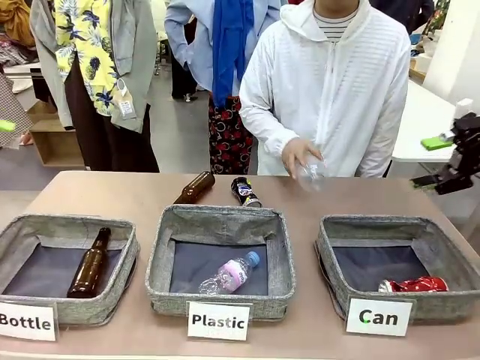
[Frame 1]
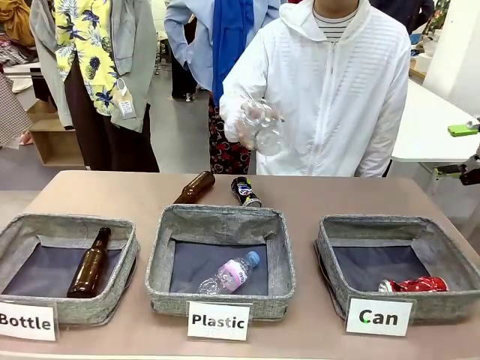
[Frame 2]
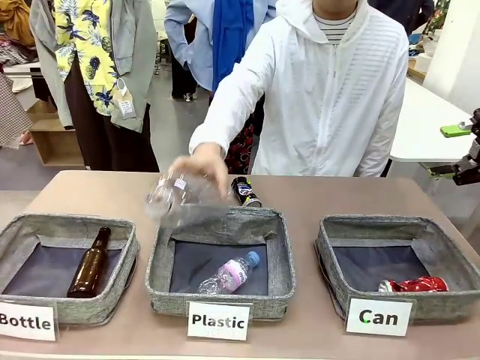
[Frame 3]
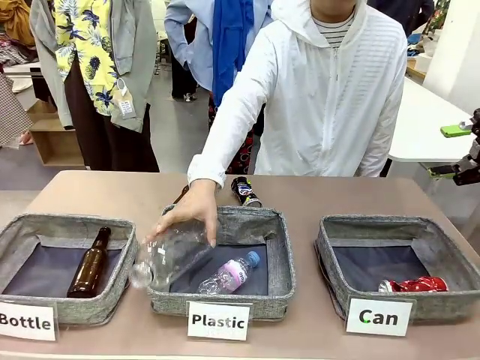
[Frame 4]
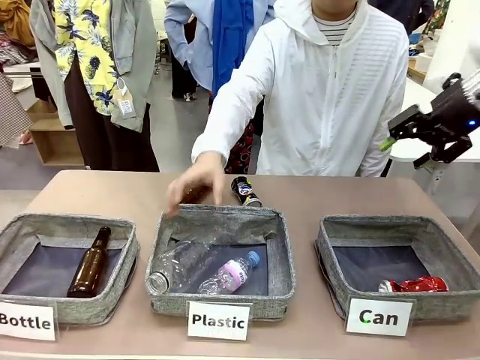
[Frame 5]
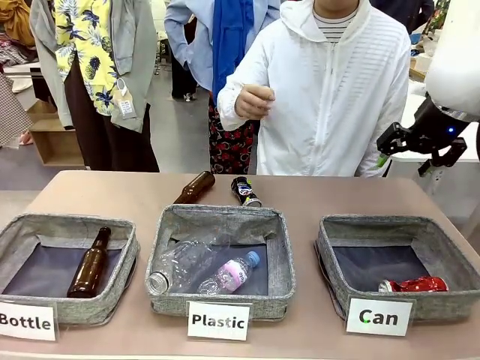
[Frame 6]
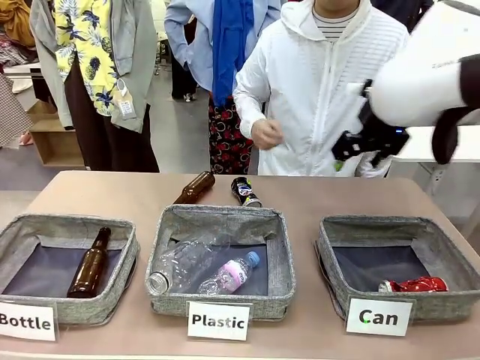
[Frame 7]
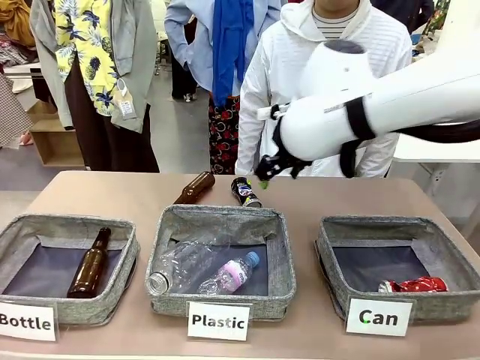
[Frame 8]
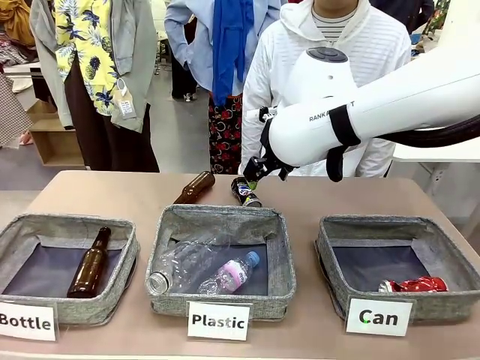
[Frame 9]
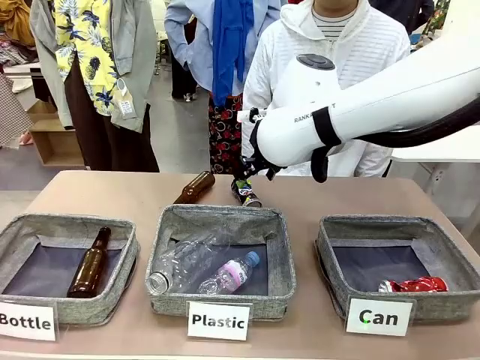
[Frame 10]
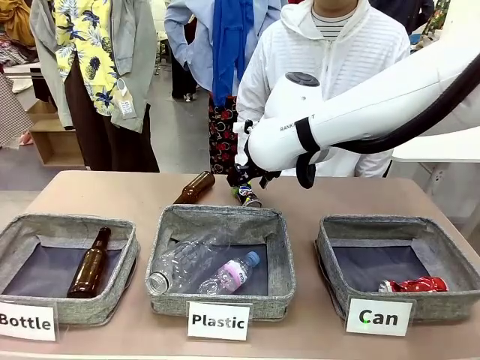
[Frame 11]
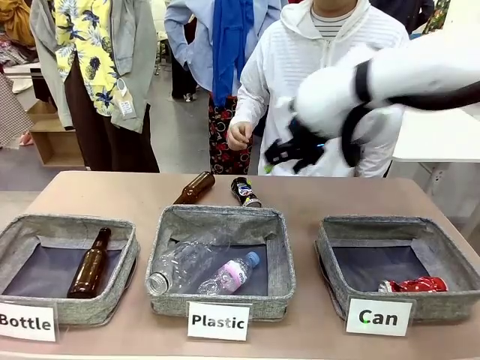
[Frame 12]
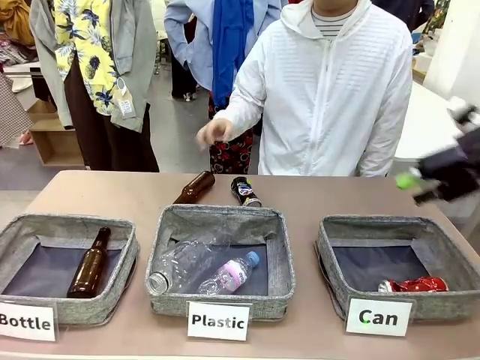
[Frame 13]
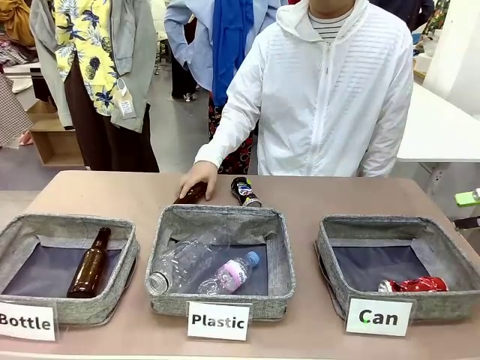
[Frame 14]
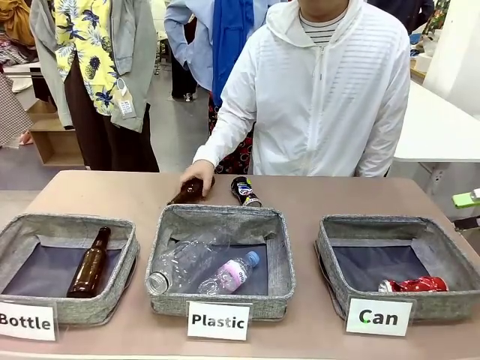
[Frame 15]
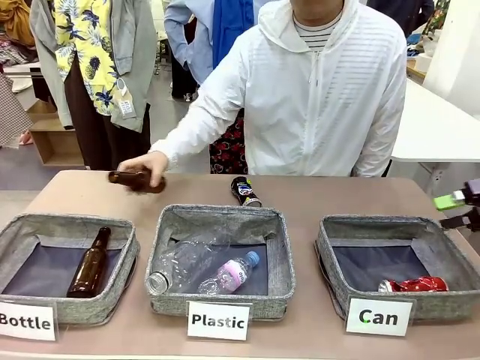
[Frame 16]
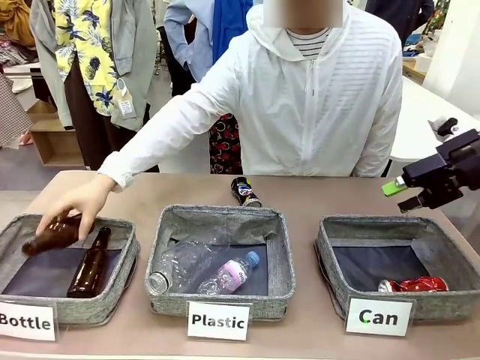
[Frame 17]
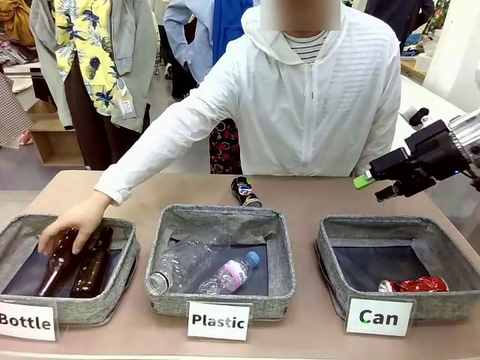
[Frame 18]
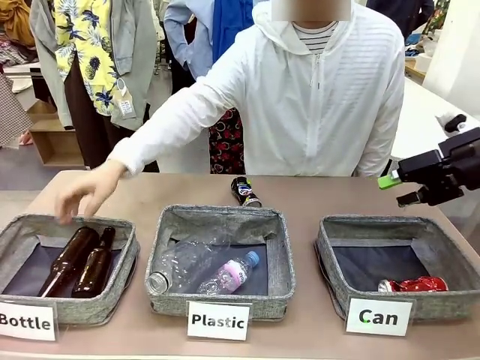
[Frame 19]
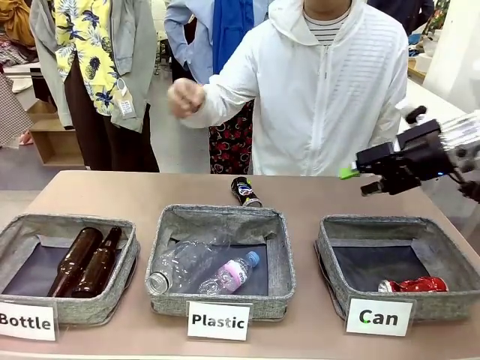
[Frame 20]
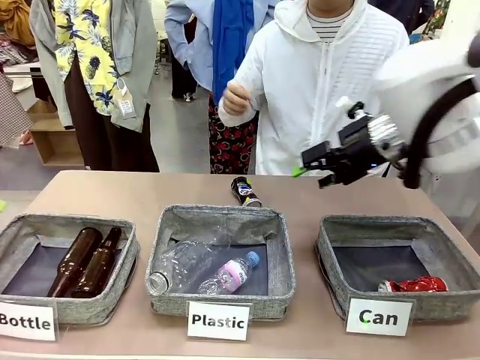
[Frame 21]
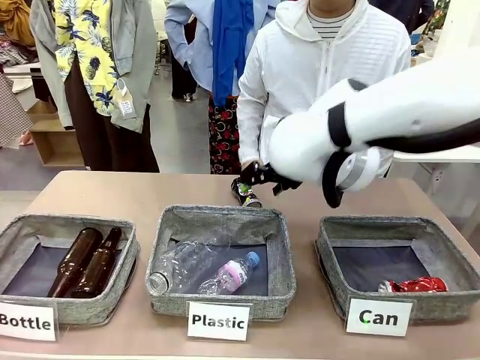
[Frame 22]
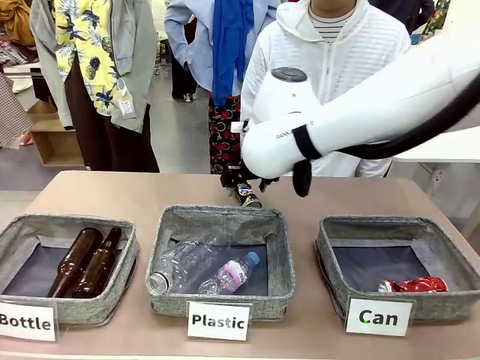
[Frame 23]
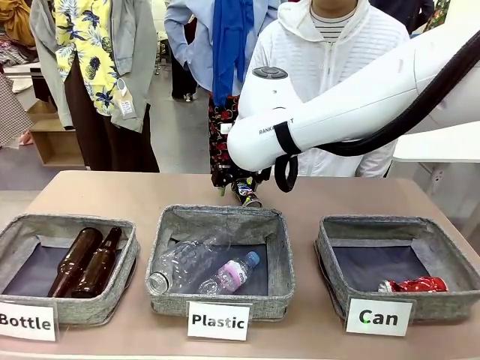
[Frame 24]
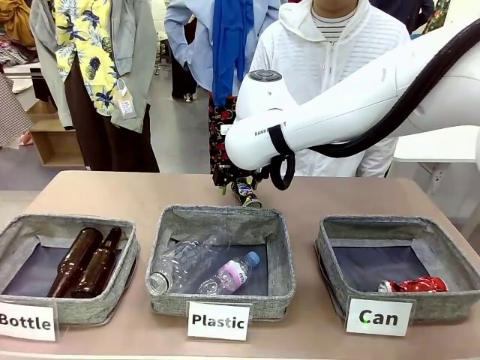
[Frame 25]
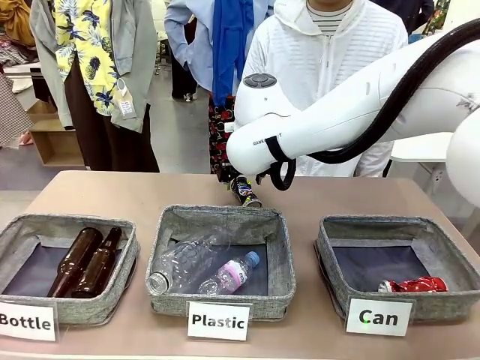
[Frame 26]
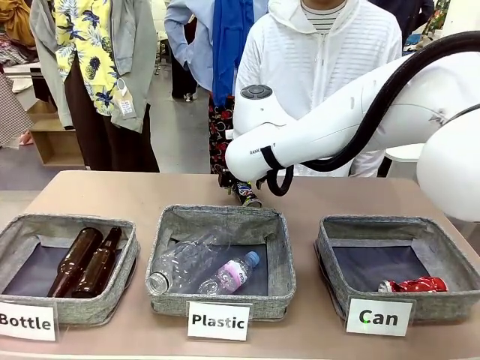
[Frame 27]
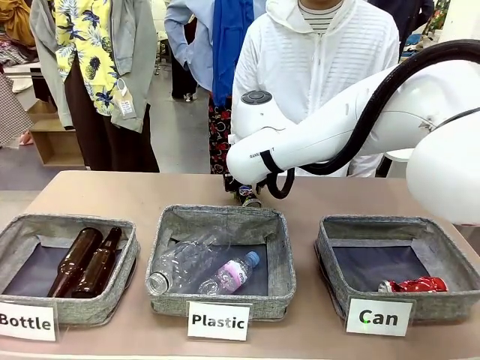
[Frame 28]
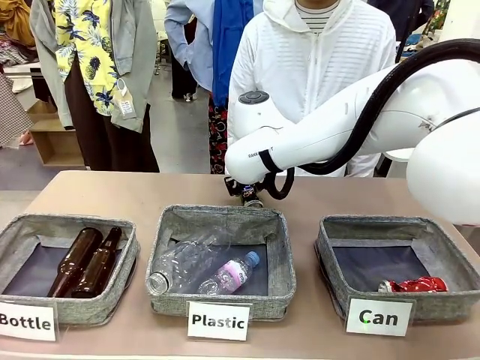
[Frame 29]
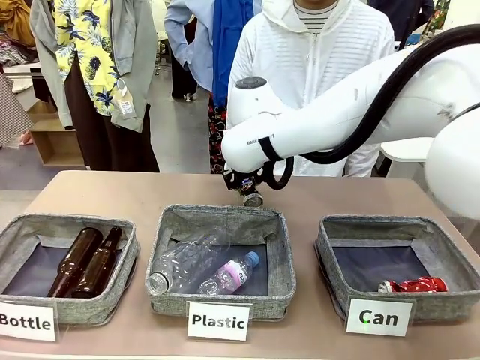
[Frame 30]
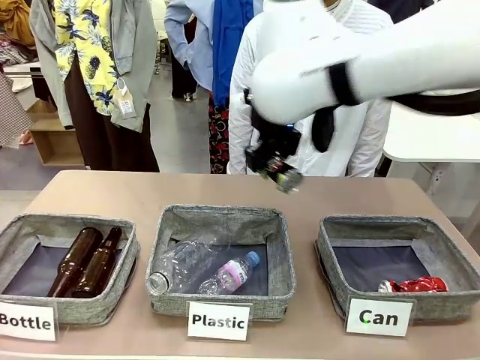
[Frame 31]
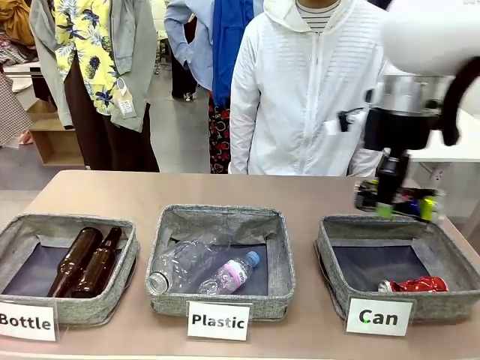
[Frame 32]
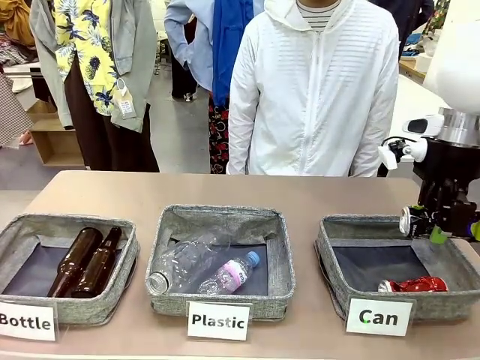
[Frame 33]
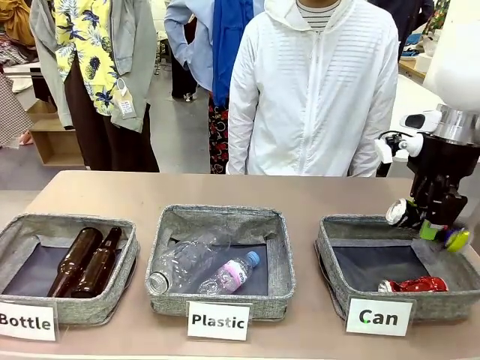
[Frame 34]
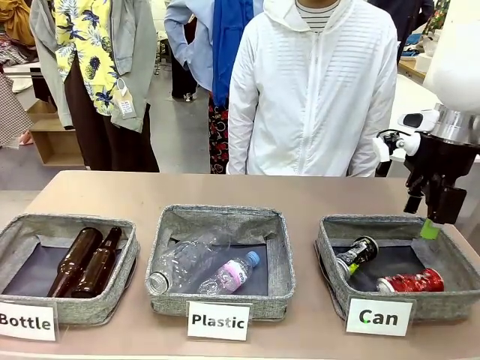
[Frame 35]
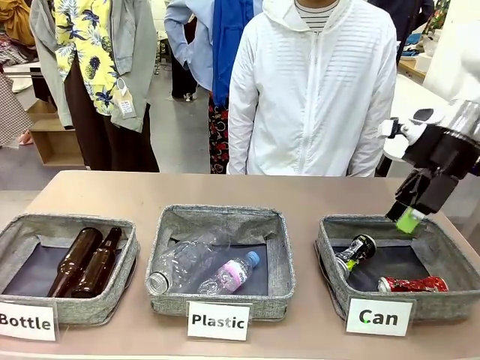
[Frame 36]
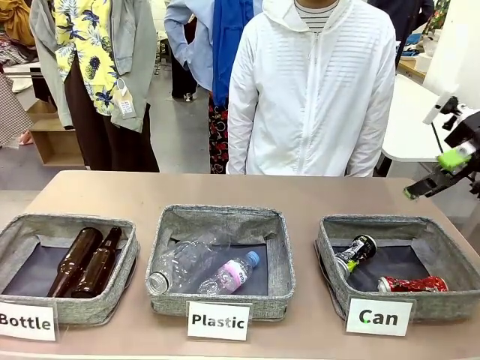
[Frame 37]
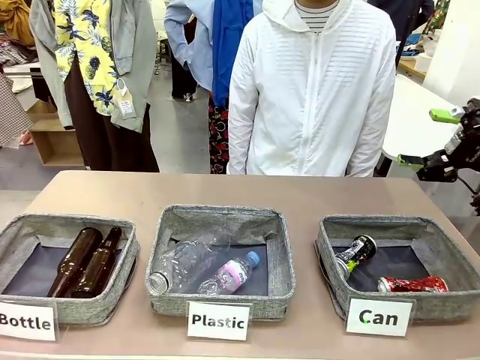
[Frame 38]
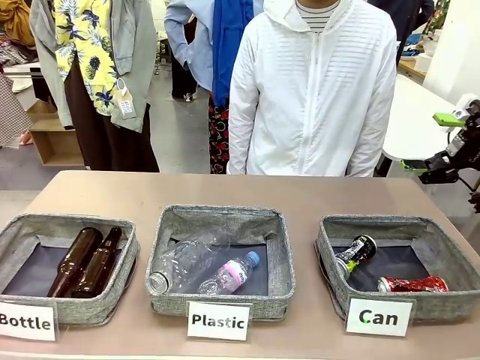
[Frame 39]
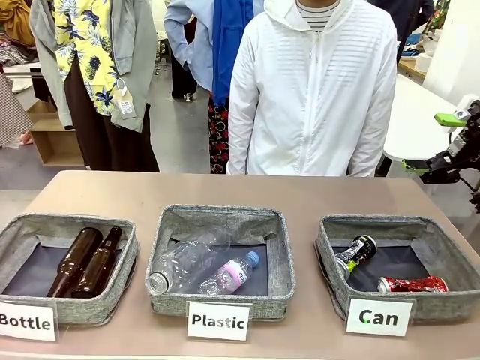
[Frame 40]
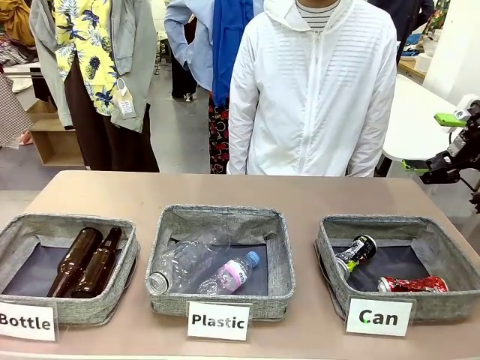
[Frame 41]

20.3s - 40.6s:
Task: Sort the can waste into the basket.
Robot: Pick up the can waste from the table and place it in the right Fabric basket.

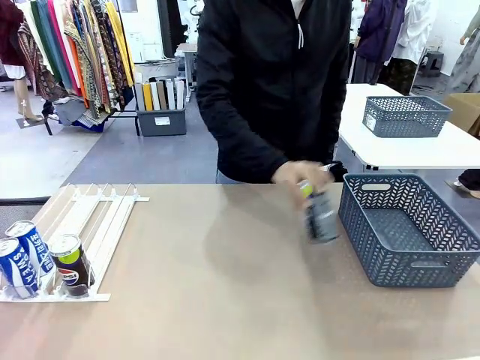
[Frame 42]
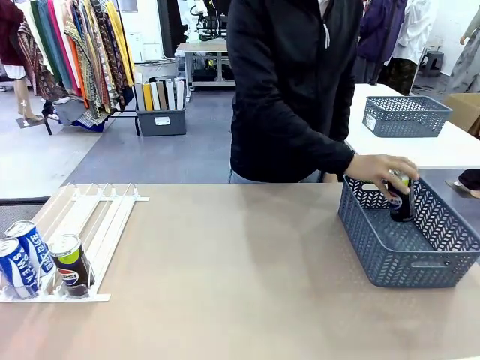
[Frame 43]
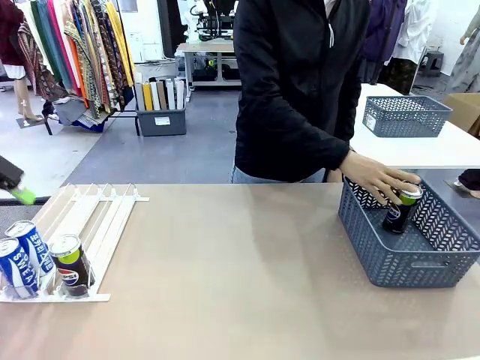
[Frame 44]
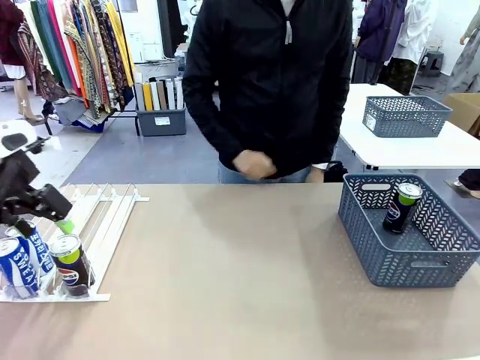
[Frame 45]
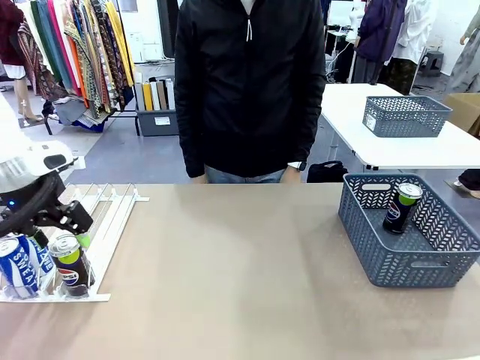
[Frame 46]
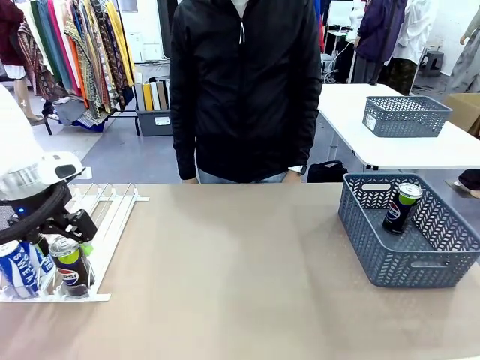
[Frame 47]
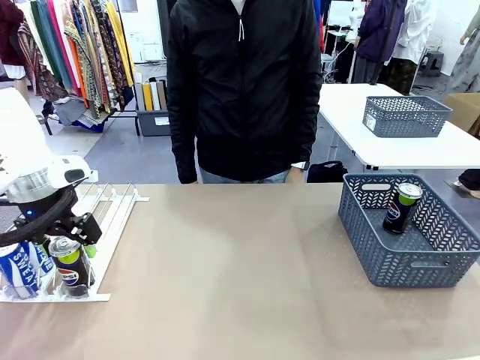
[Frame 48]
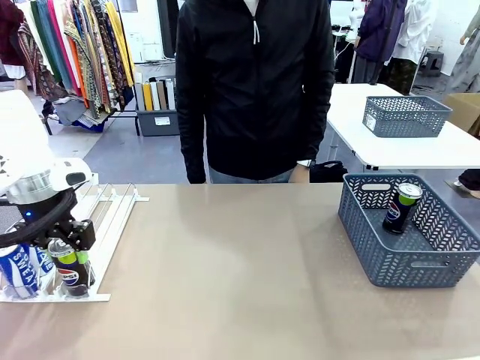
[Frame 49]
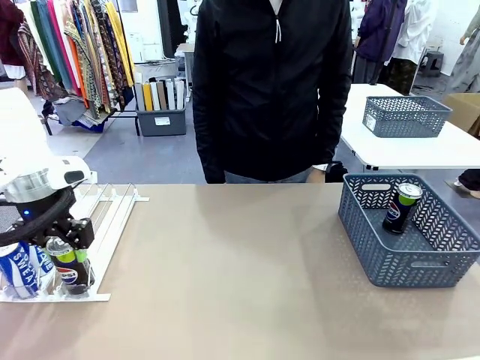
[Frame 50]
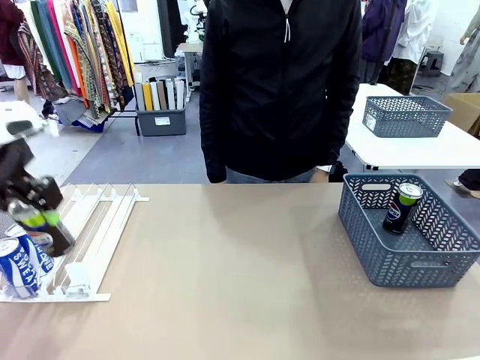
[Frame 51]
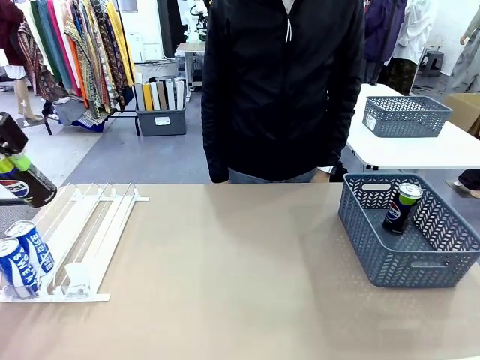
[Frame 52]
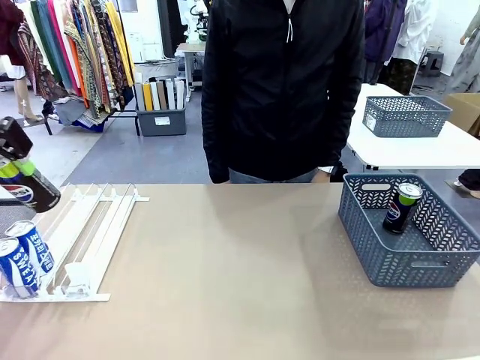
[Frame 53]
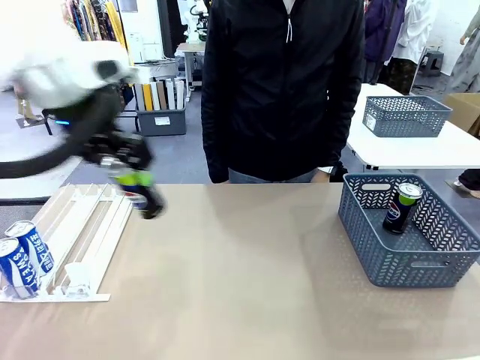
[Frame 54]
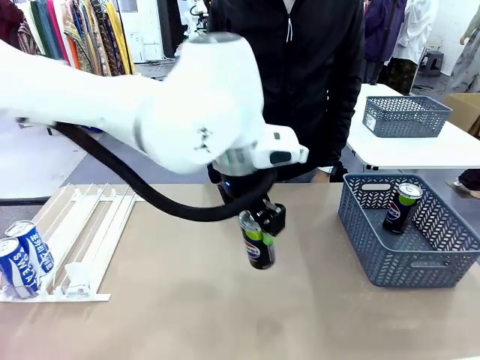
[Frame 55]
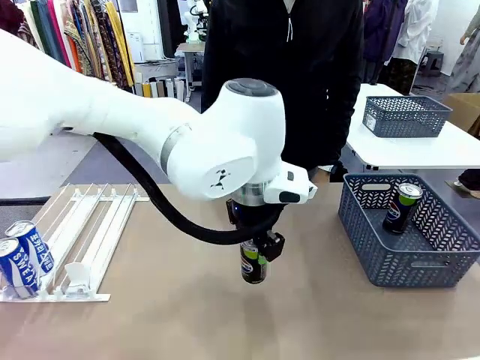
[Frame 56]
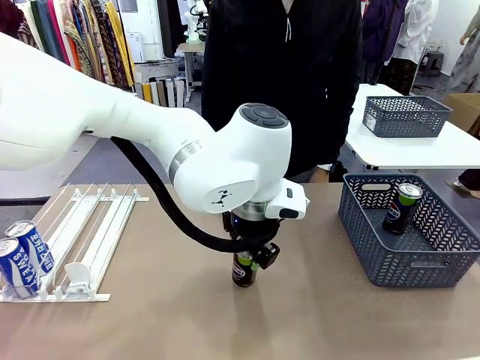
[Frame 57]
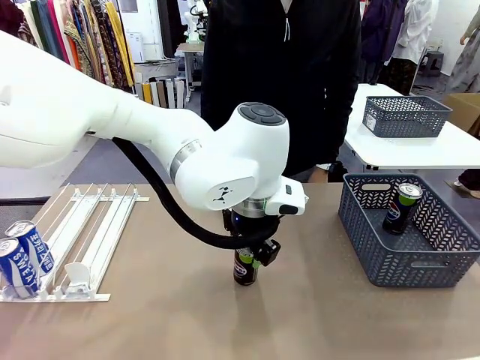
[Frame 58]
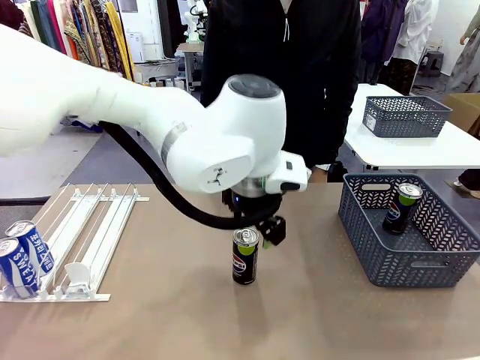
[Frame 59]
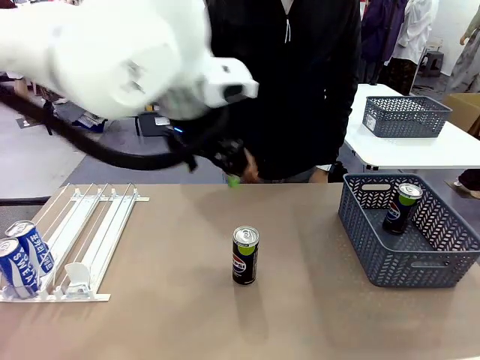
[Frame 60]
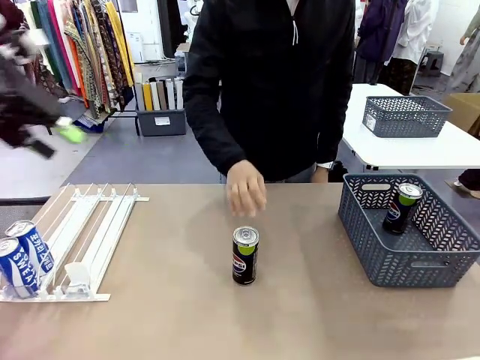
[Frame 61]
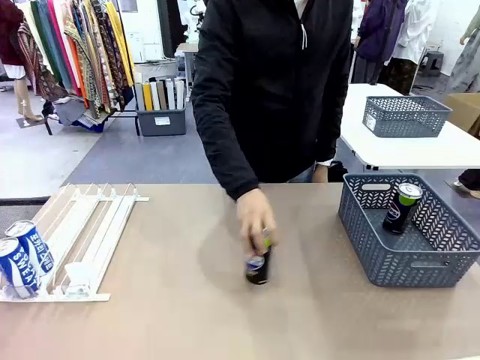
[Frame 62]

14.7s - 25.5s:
Task: Retrieve and store the cans from the dispenser.
Robot: Pick up the last remaining can from one row of the Automatic Can Dispenser and place it in the middle of the table.
Person: Pick up one Pepsi can from the middle of the robot table and place it in the basket.
